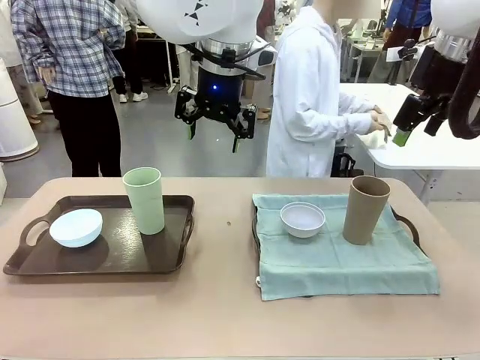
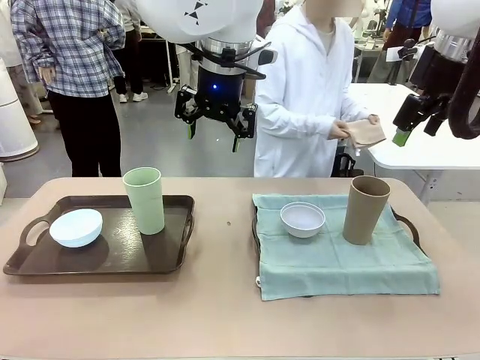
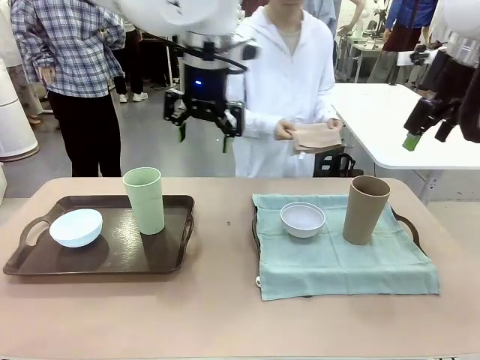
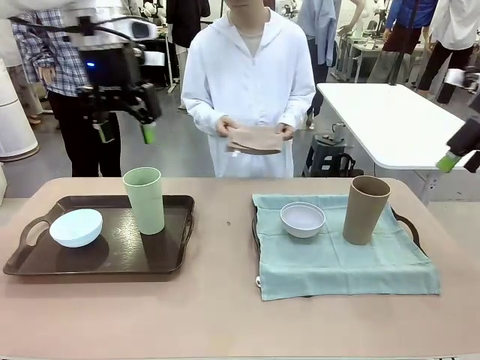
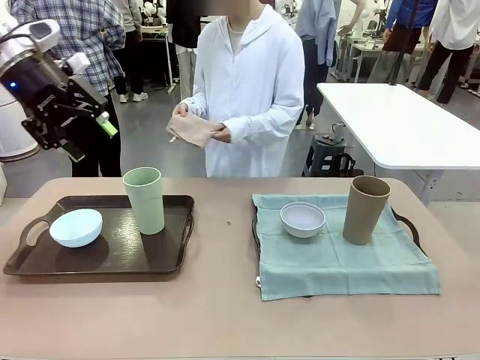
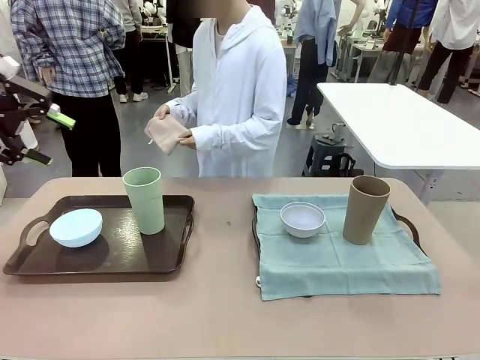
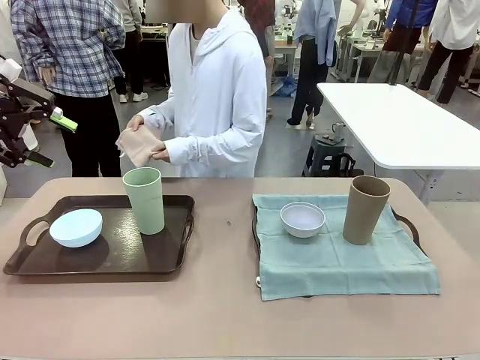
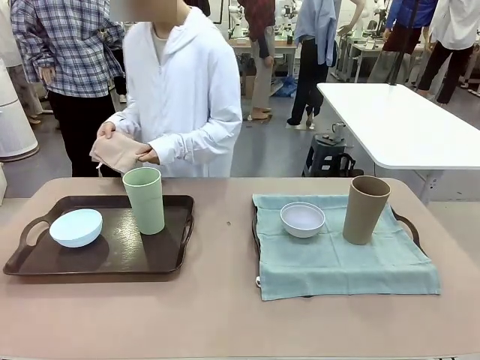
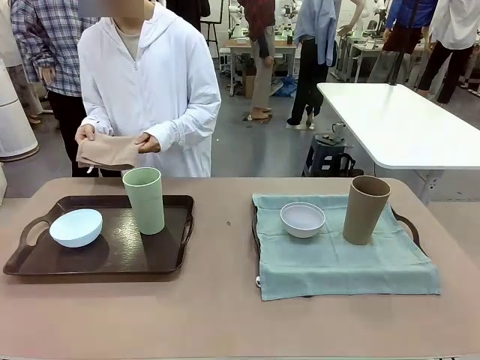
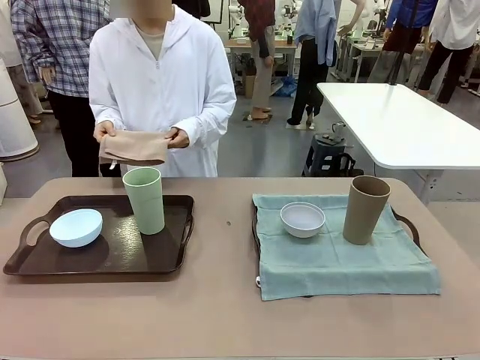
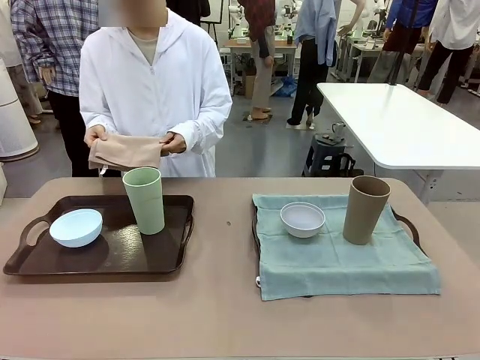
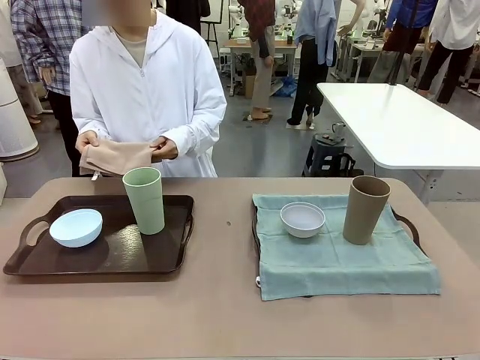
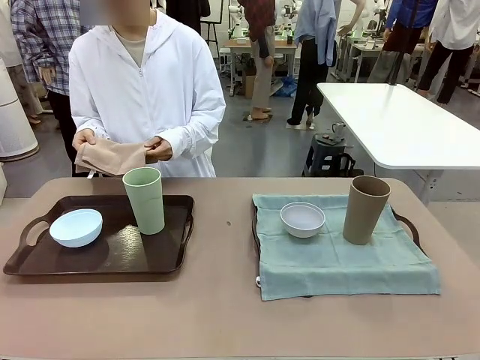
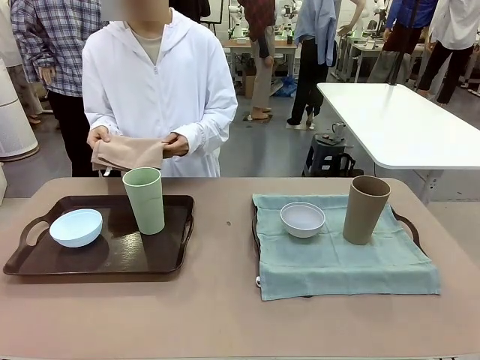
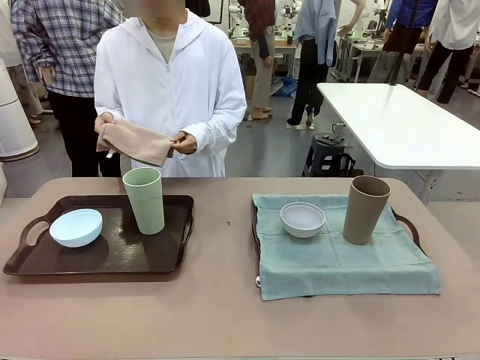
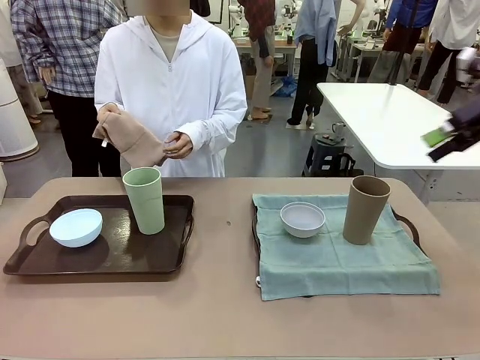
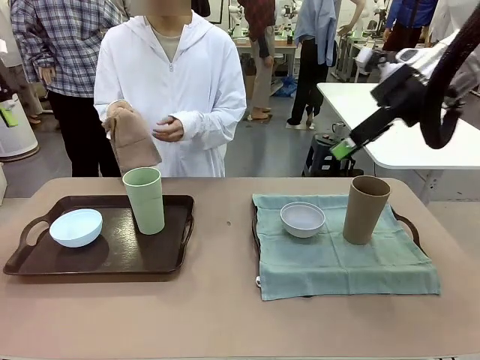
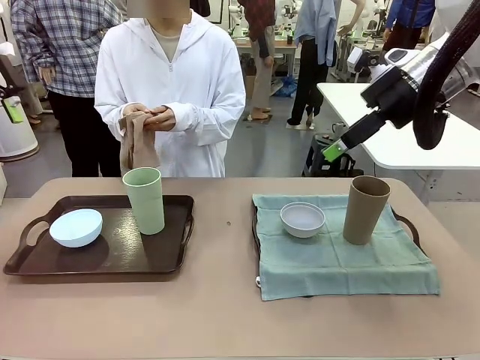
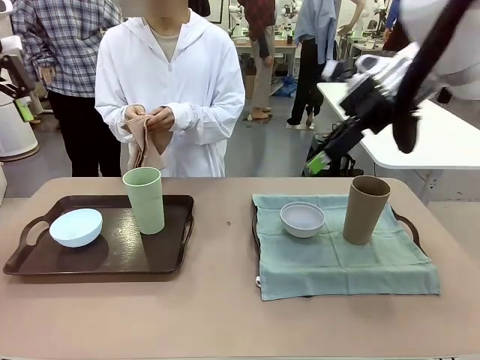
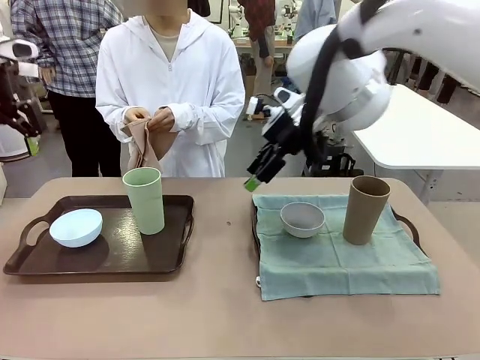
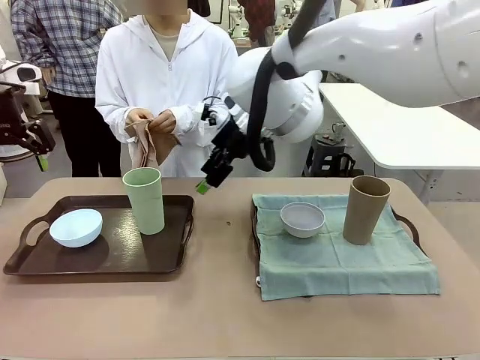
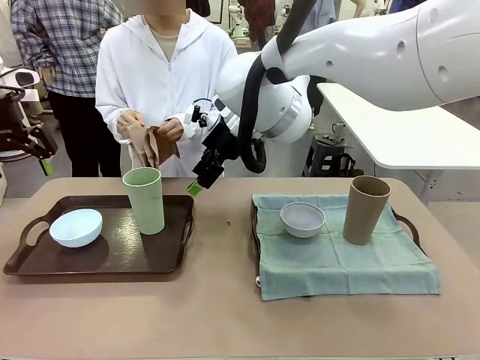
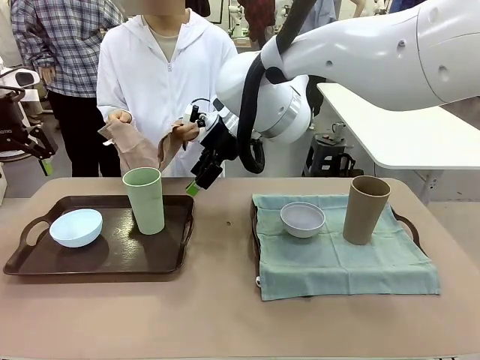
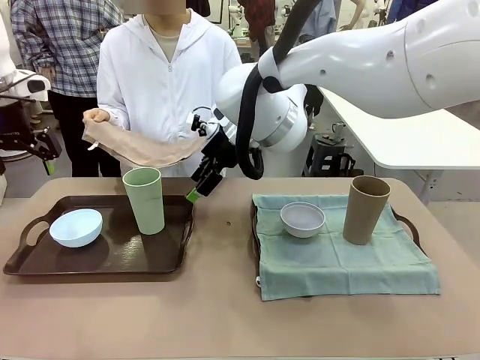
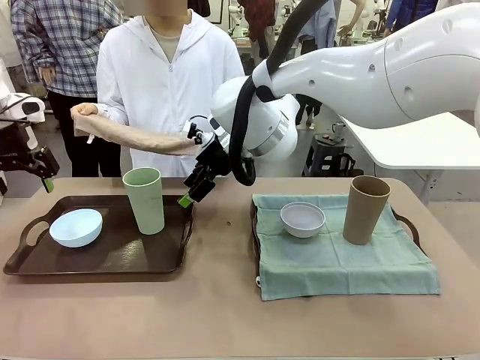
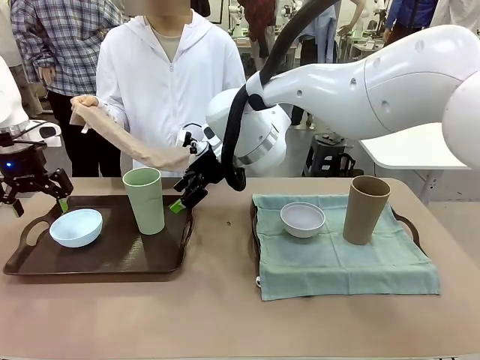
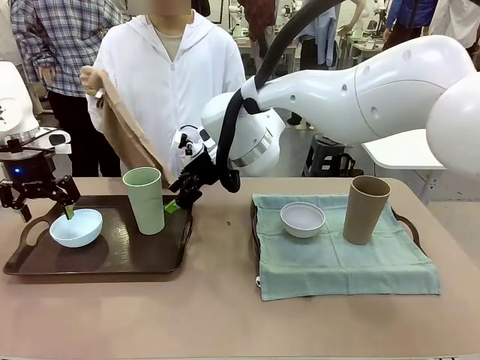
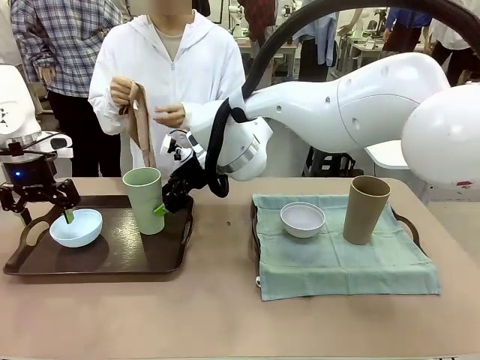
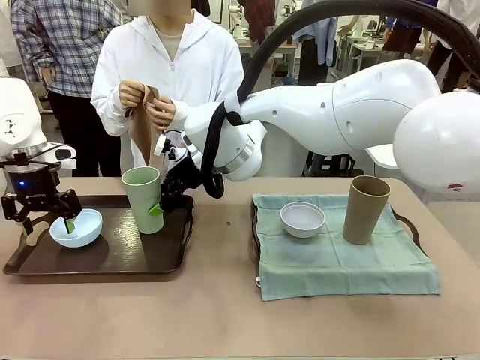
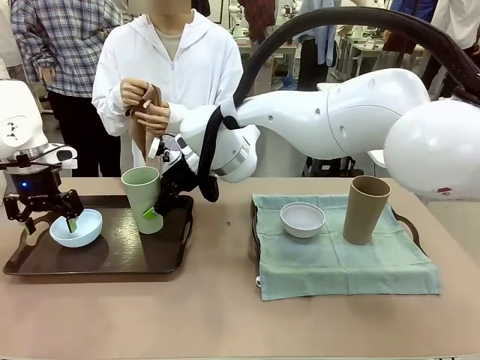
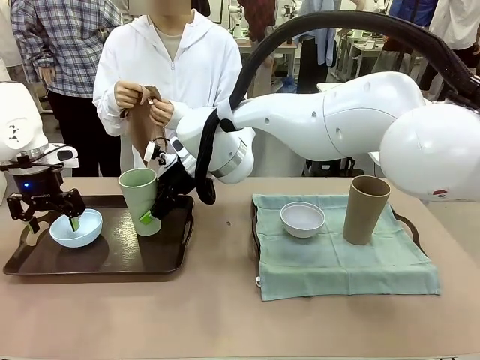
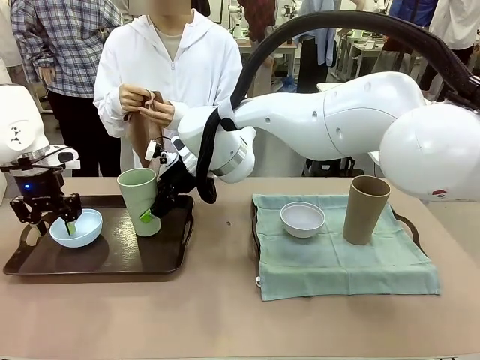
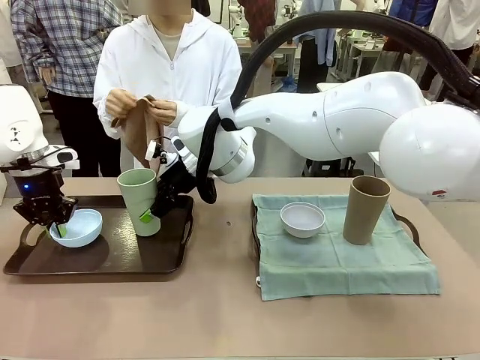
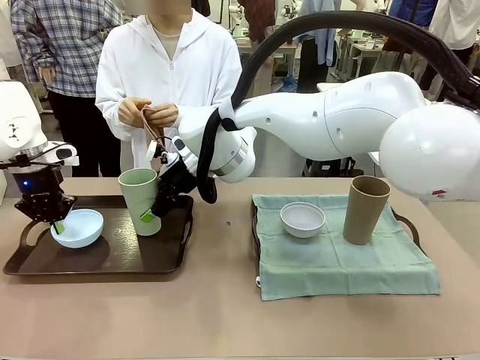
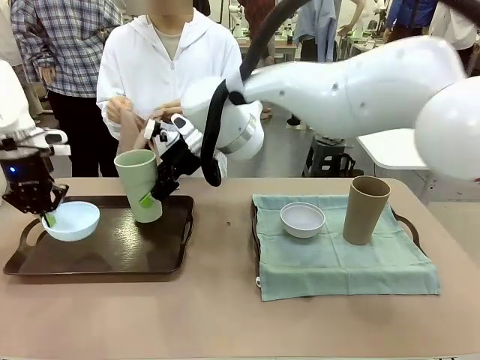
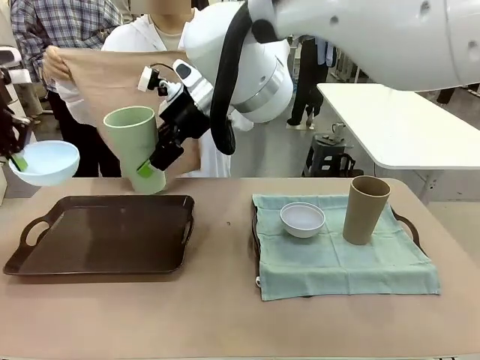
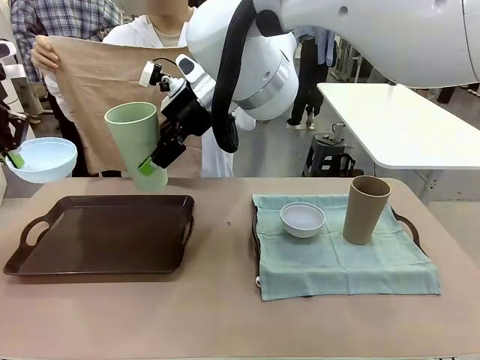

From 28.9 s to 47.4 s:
Robot: Pick up the Picnic Bowl and Reusable plastic cup from the Handle tray in front of the human's position and hold them in the air.
Person: The human returns to the human table to pick up another napkin and walks to the robot table to stand in front of the tray without a napkin.

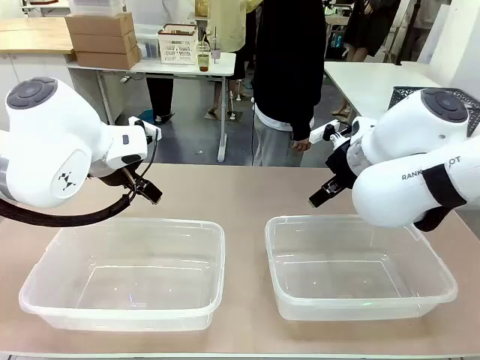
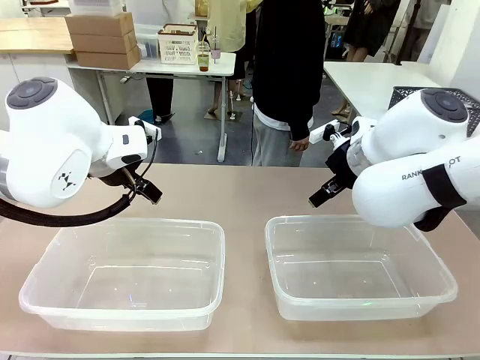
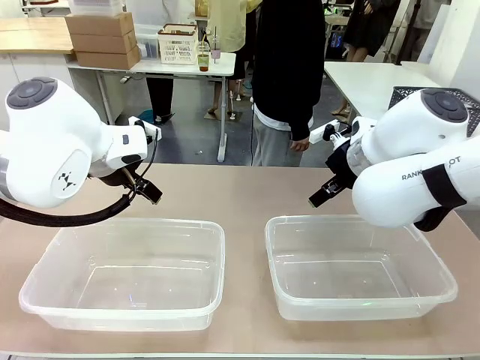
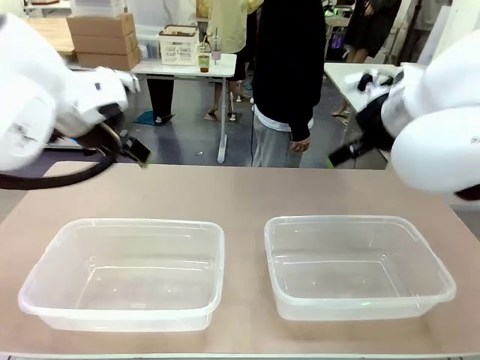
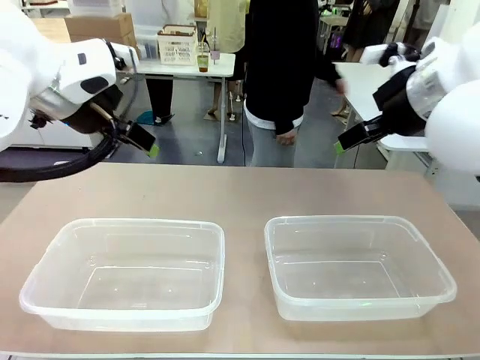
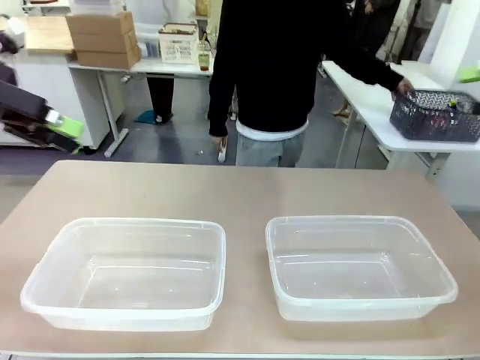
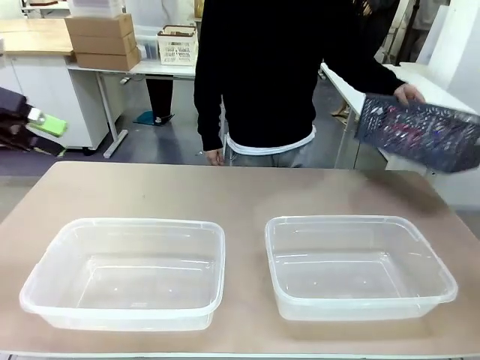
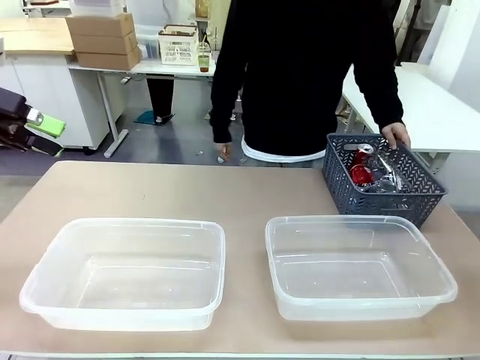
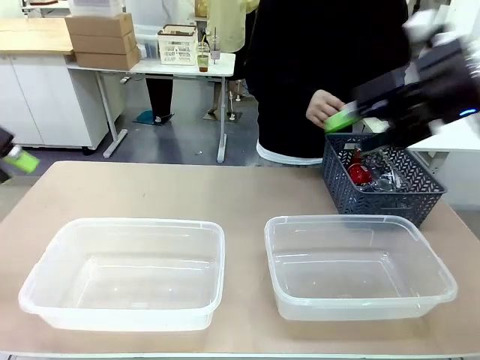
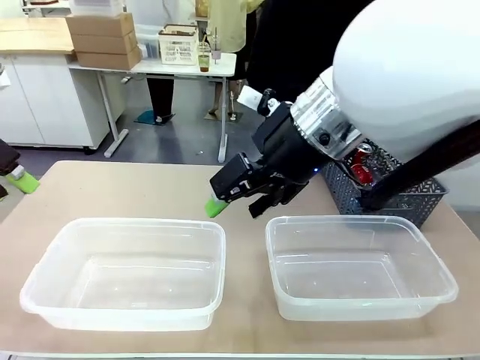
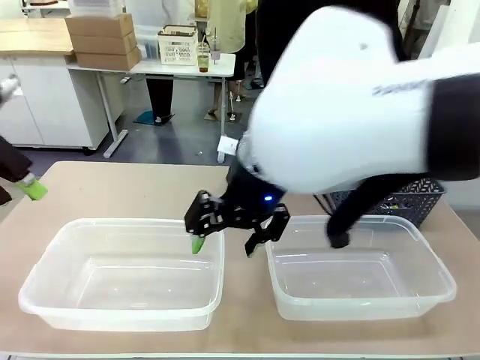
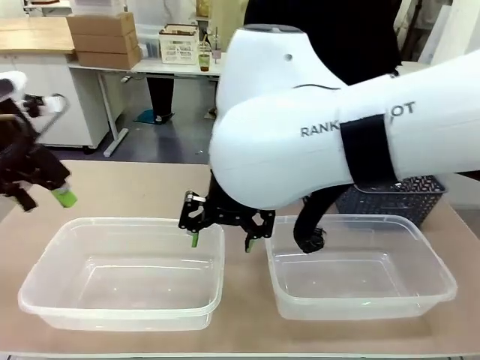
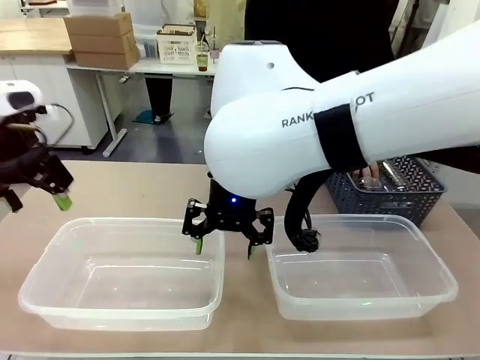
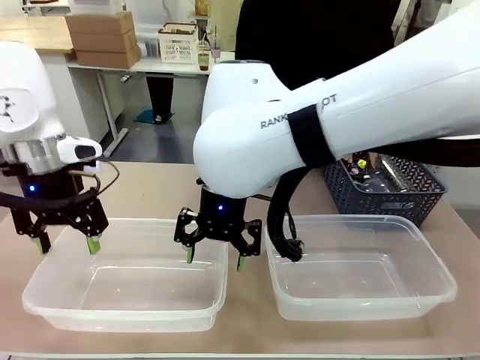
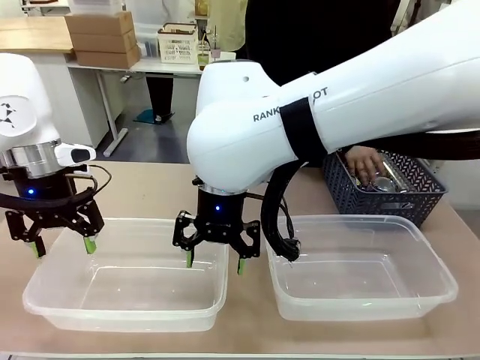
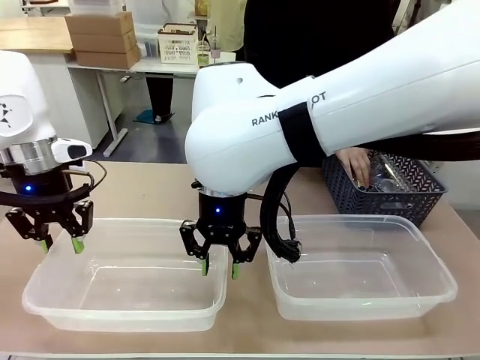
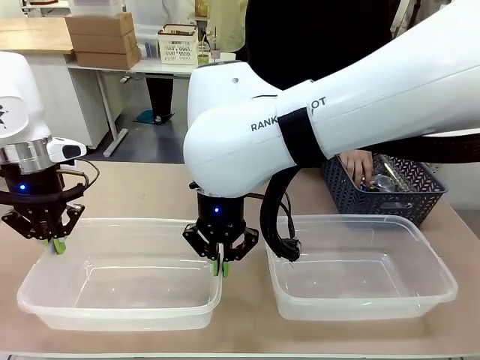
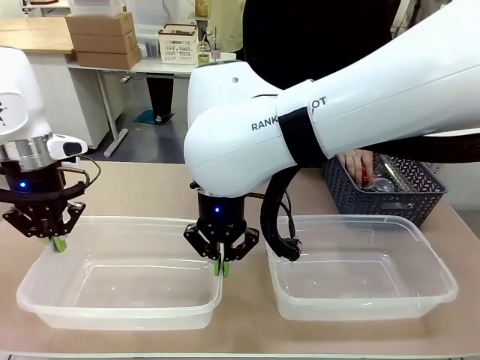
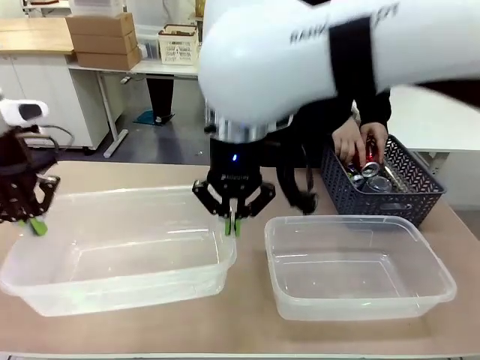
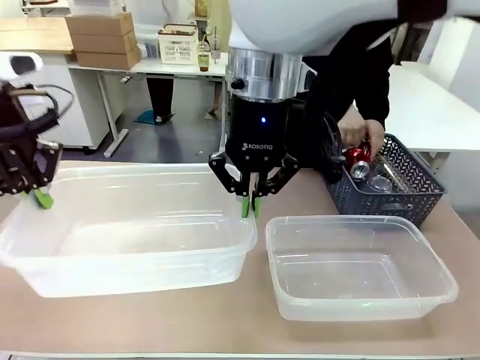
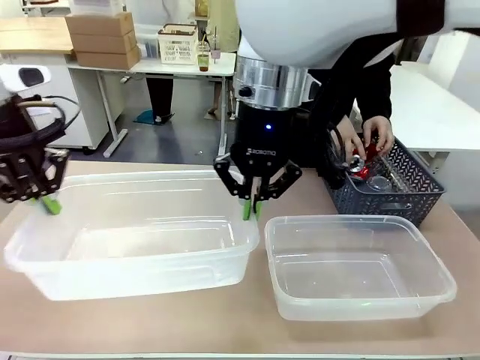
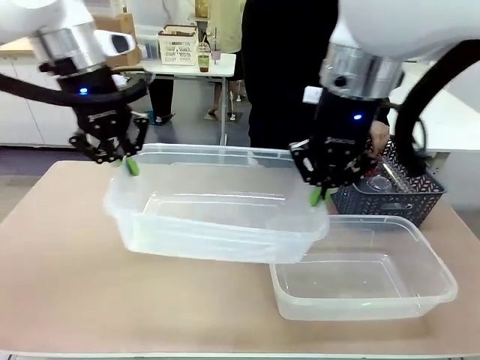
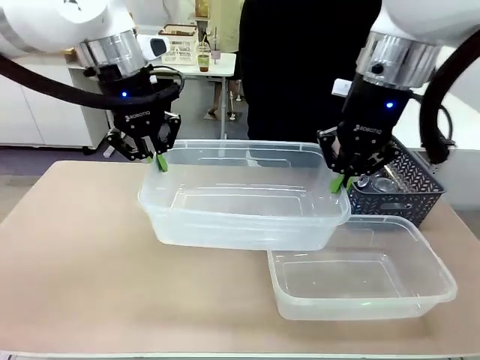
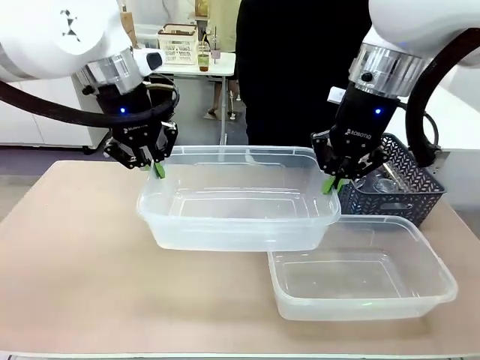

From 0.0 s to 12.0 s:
Robot: Pick up the Organizing box on the left side of the table and lift it.
Person: Pick up the storage basket and place it on the left side of the robot table. Pick up can-shaped waste one by one and place it into the organizing box lifted by the robot.
